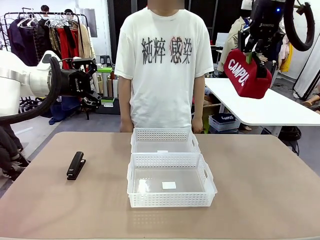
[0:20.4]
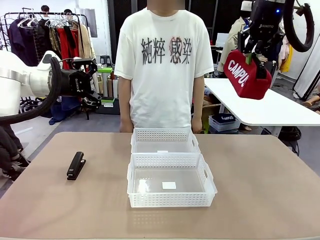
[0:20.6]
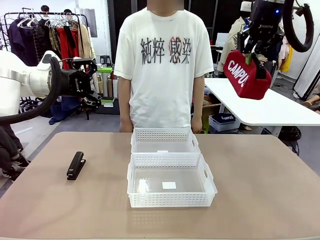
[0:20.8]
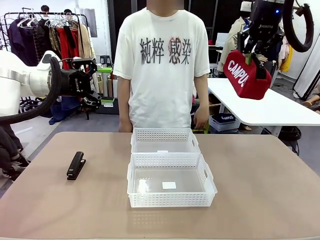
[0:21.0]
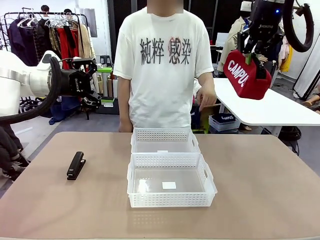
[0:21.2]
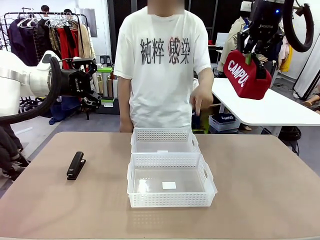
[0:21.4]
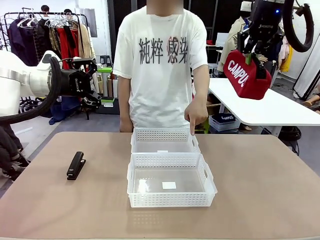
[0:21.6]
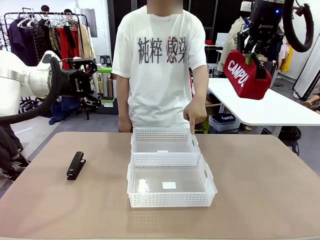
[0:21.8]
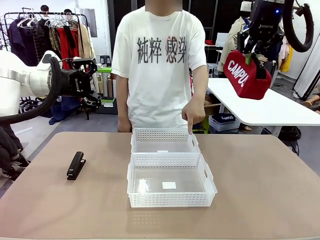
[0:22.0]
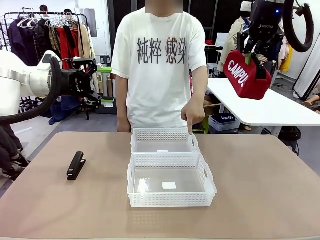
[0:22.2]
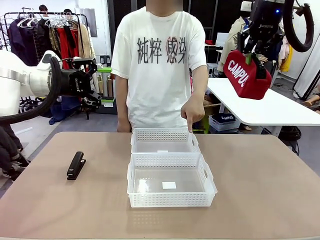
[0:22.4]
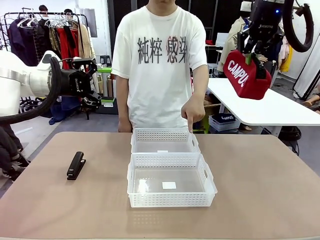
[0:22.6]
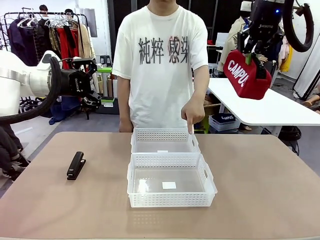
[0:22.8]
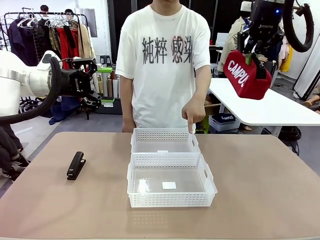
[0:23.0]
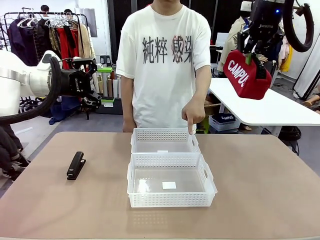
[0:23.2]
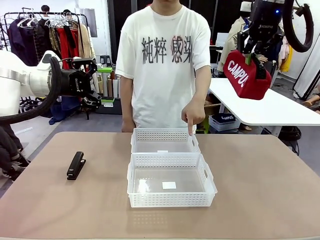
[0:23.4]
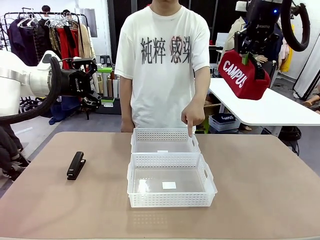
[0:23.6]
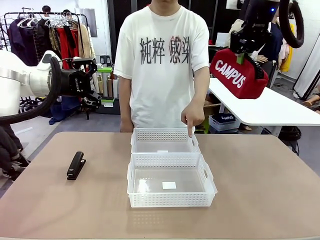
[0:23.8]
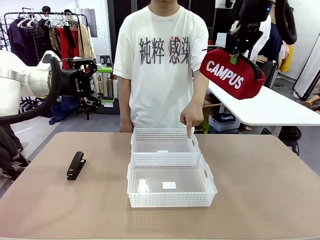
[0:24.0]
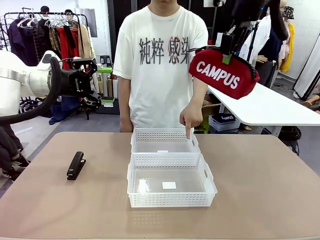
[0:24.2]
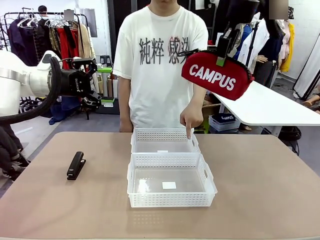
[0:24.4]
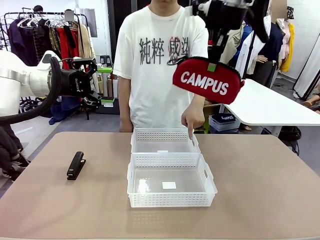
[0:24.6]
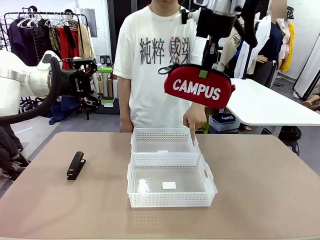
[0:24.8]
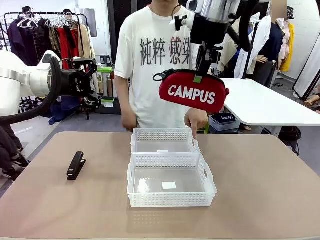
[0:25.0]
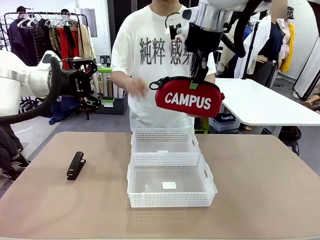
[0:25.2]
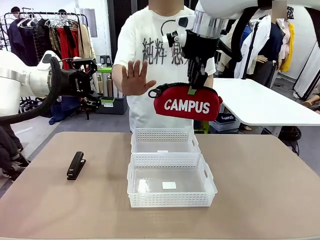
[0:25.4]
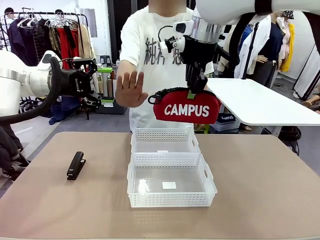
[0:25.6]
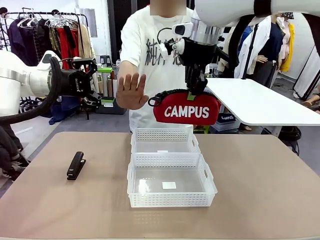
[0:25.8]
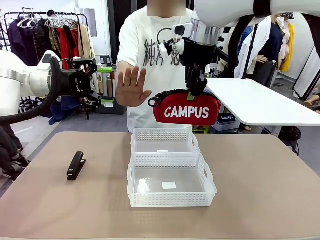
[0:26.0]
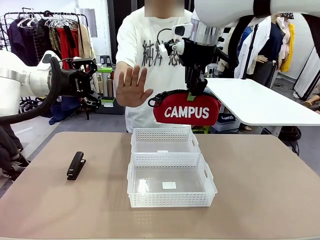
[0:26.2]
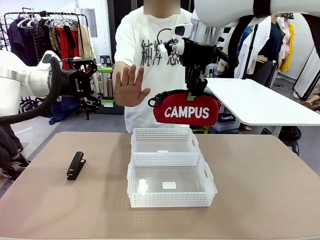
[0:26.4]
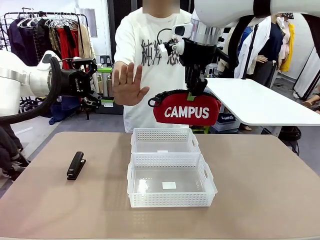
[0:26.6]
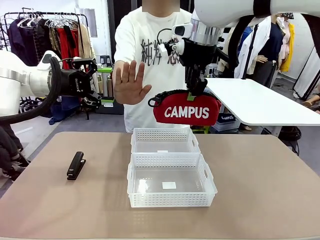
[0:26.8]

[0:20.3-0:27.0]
Task: Distribute items into two baskets.
Robot: Move the picked Pencil pouch towards the Organizing basket indicated by the person, stopping as directed.
Person: Sends a stop gesture before the robot places the pencil case into the basket.

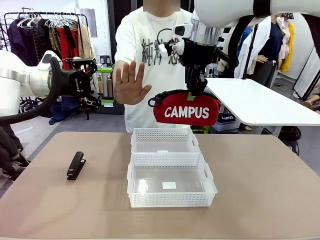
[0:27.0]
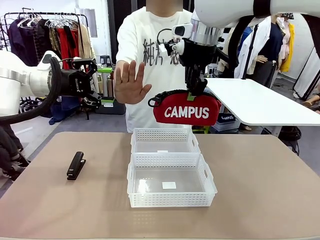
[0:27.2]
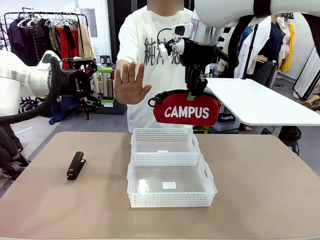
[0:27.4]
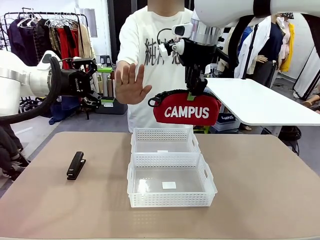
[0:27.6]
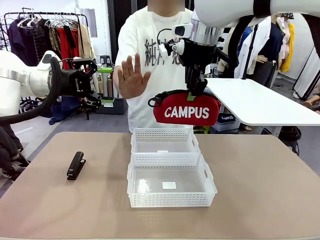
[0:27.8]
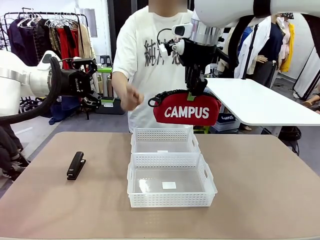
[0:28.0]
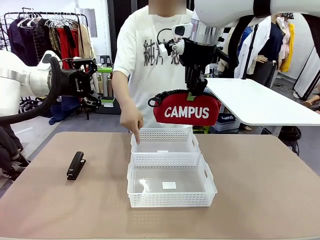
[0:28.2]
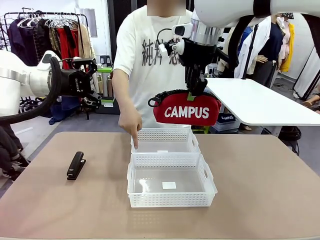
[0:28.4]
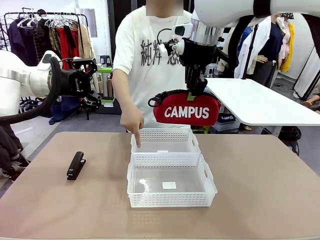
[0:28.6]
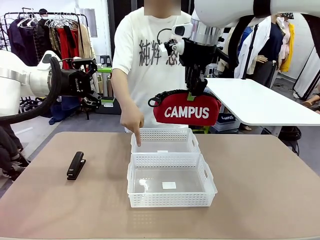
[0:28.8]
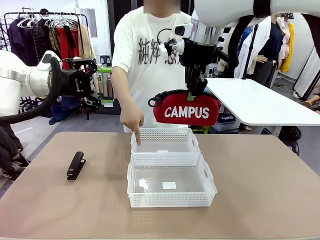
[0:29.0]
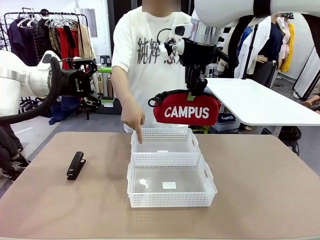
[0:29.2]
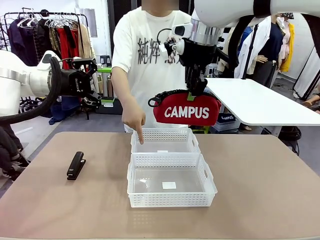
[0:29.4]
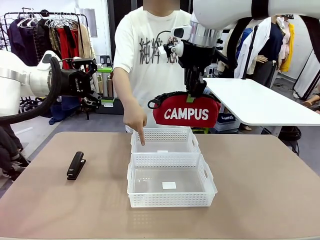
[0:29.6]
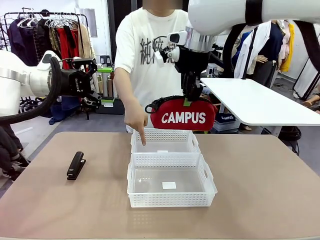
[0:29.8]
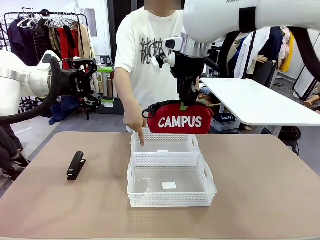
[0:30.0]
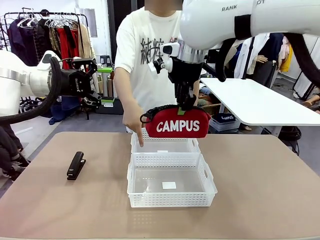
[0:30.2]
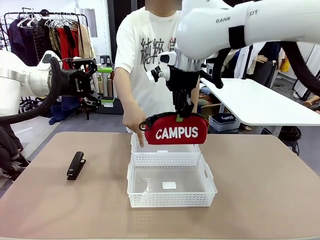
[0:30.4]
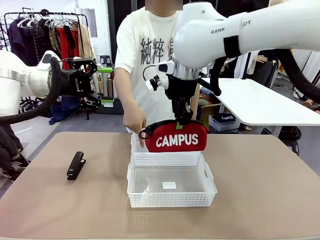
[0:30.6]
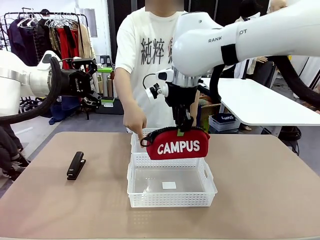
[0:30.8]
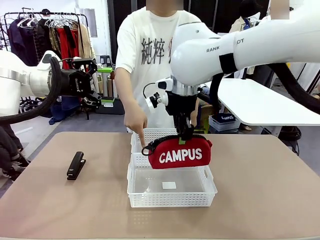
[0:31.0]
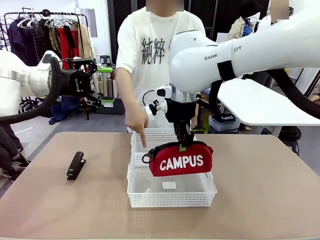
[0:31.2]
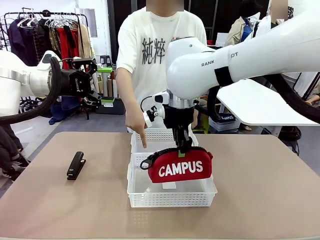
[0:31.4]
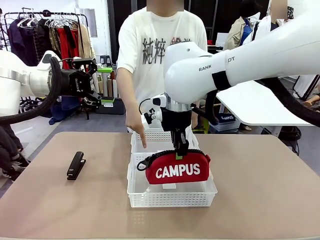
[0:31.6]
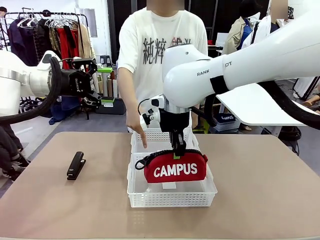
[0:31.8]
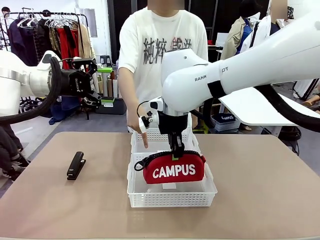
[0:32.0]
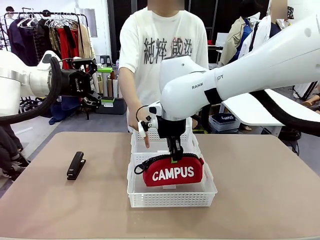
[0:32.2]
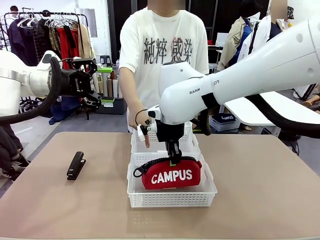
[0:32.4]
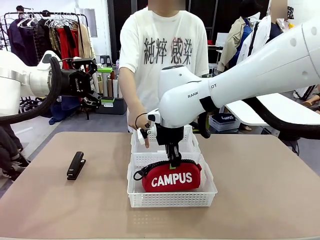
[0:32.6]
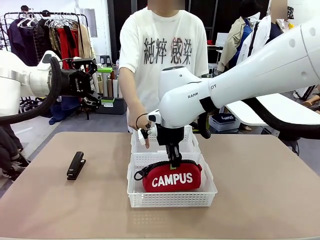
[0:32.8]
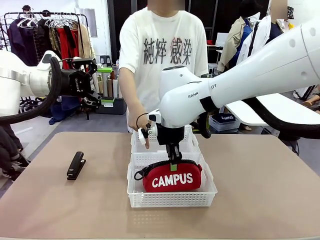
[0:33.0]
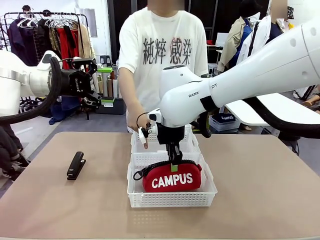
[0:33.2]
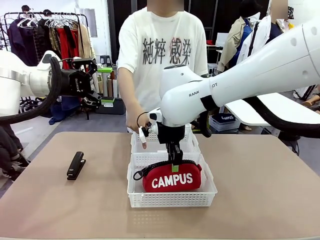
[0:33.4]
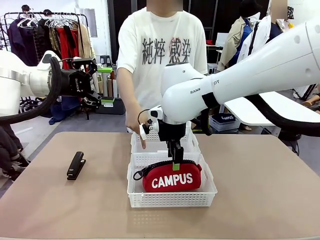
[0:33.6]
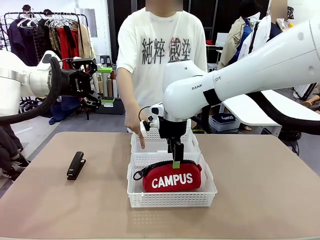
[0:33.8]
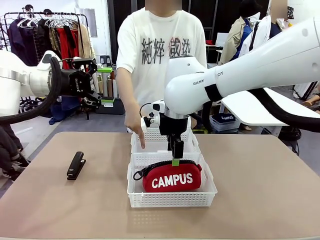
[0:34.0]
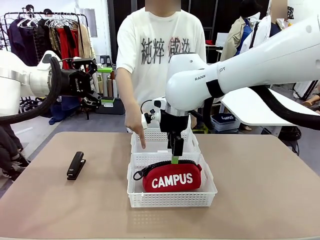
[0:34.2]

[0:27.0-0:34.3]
Robot: Place the picked Pencil pouch into the Organizing basket as instructed by the person.
Person: Instructs the robot to place the pencil case into the opposite basket.

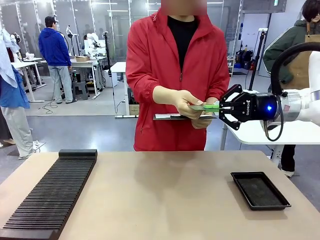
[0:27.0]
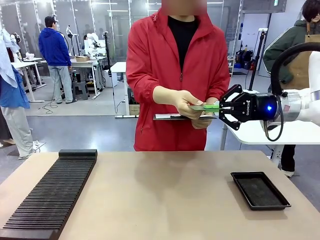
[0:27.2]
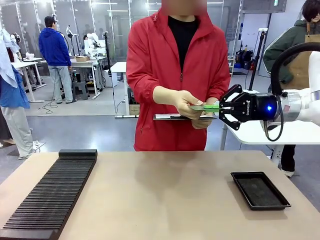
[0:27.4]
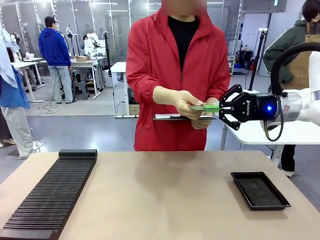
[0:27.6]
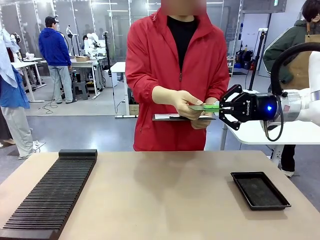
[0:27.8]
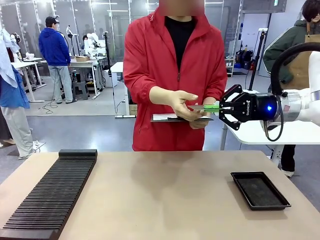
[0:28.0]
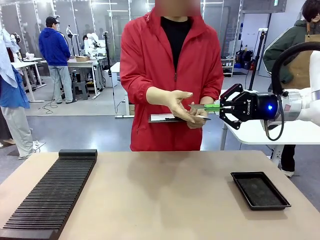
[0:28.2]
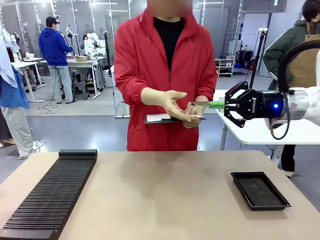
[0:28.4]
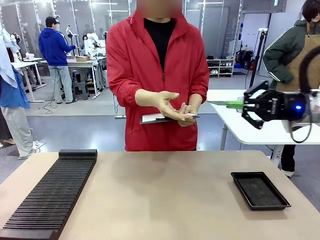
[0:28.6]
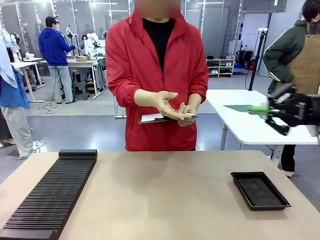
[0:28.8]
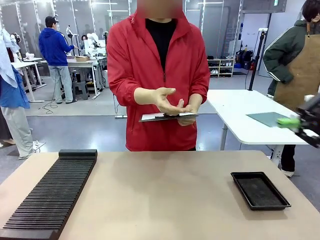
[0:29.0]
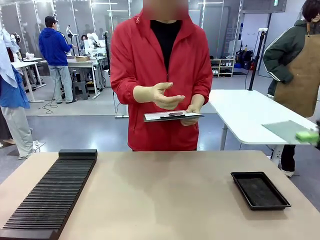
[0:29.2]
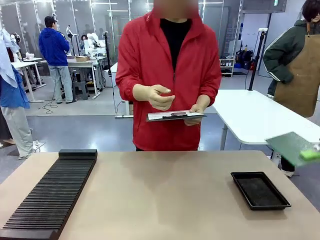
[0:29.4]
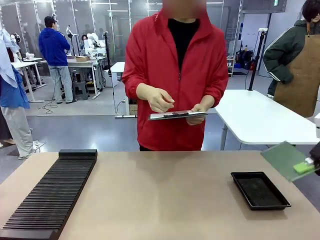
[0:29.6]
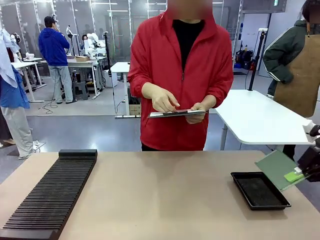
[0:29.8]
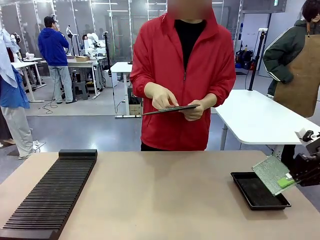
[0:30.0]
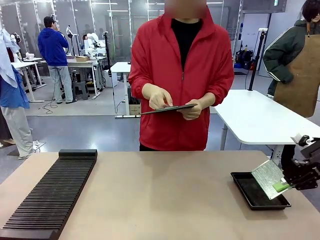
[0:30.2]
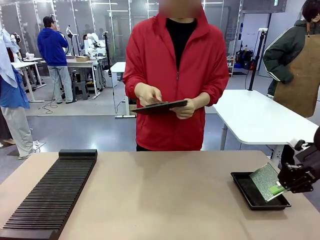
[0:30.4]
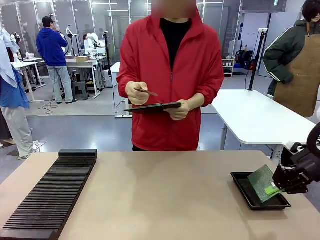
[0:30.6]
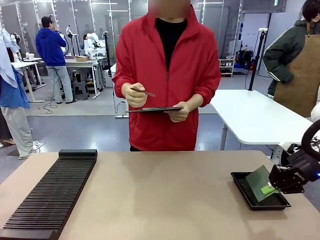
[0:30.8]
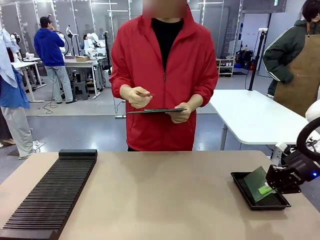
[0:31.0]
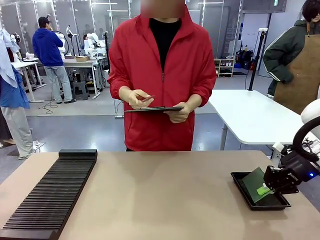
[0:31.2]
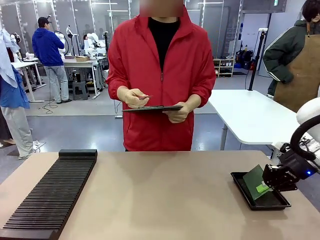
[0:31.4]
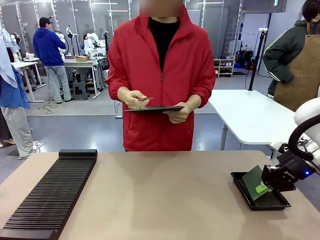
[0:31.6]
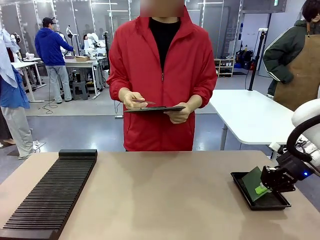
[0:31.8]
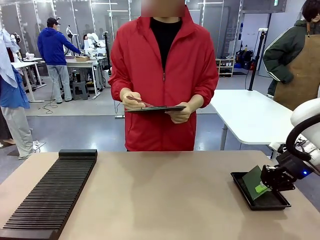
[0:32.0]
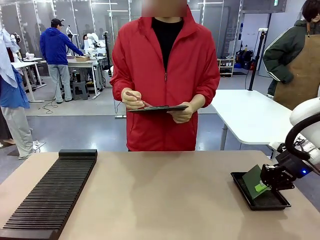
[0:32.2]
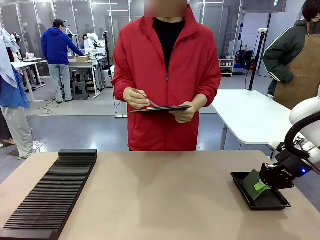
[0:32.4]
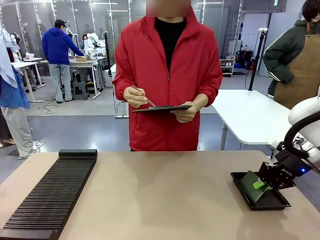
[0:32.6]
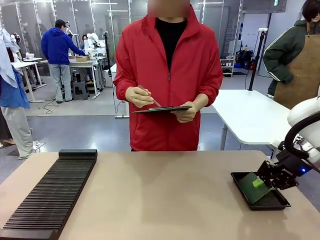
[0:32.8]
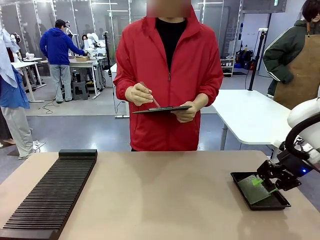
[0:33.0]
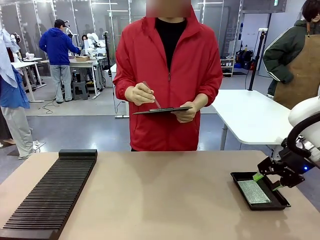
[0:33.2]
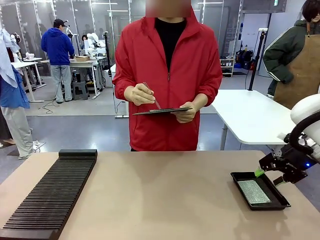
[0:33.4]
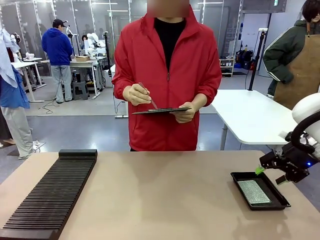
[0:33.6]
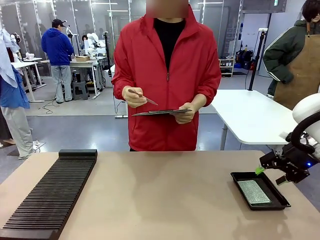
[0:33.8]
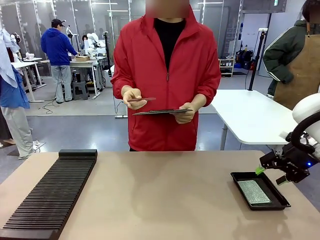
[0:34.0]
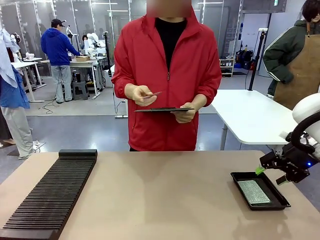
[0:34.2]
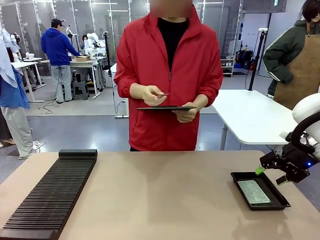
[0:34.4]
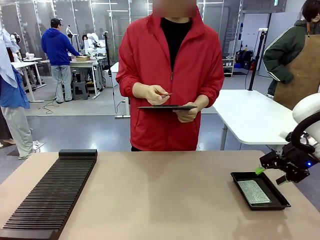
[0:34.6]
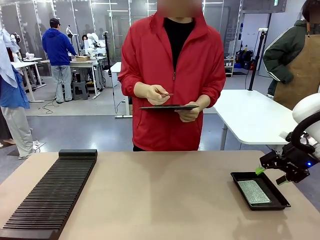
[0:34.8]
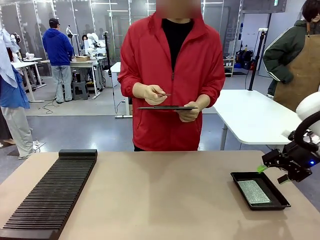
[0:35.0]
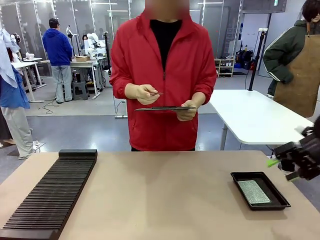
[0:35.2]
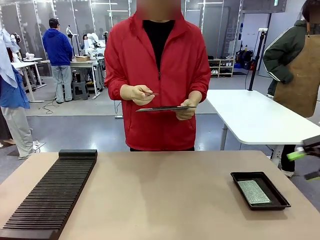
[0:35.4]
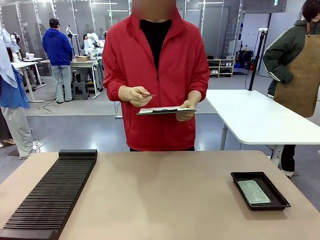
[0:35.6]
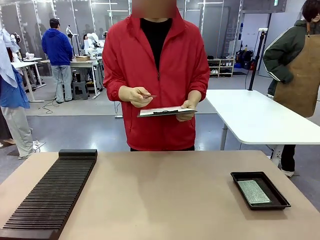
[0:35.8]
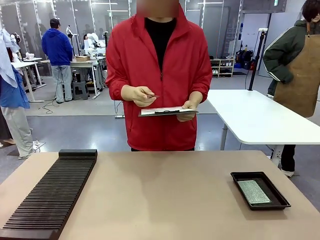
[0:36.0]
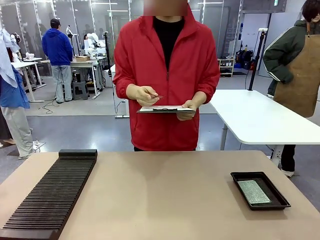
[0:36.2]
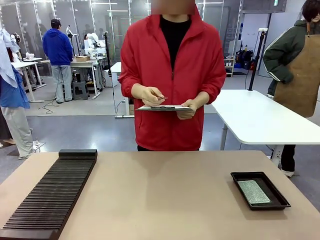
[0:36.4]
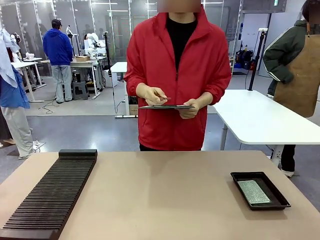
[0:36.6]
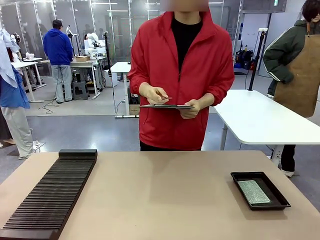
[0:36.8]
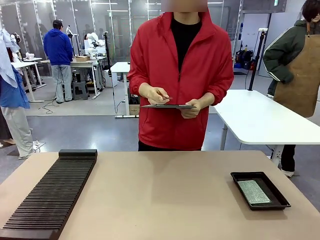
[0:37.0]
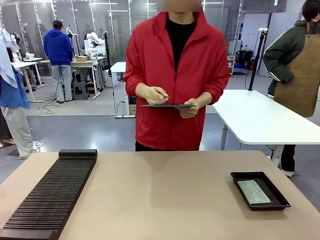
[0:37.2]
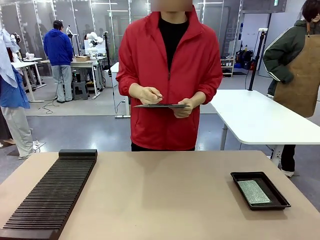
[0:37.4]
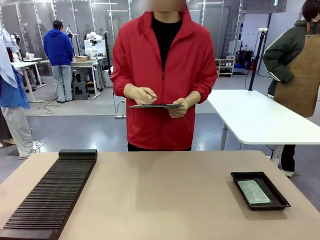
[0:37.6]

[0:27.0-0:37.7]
Task: Inspect the PCB.
Robot: Place the Blank PCB in the ESD tray.
Person: Record the PCB status on the paper.
